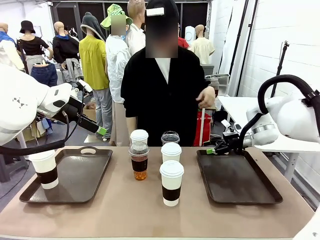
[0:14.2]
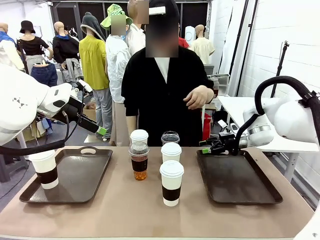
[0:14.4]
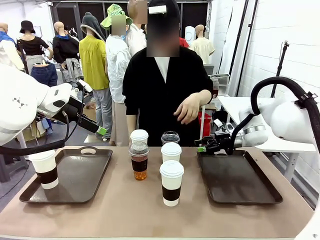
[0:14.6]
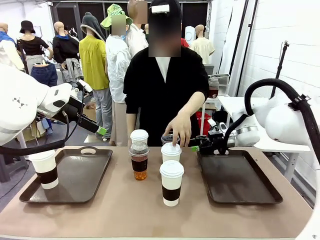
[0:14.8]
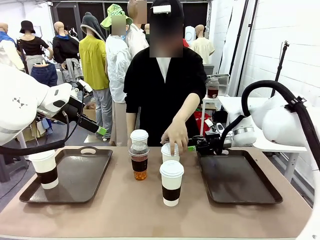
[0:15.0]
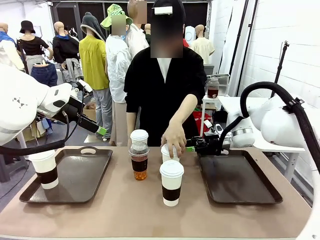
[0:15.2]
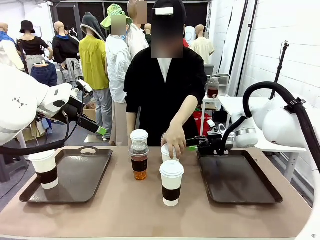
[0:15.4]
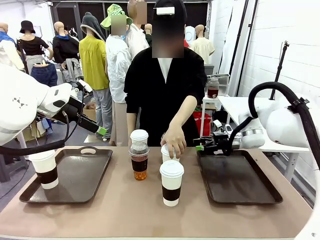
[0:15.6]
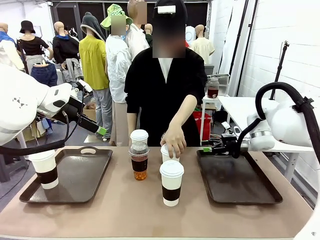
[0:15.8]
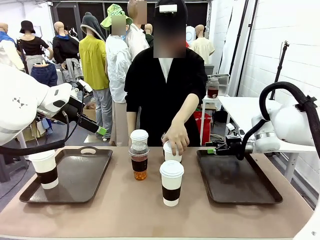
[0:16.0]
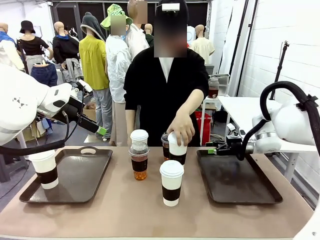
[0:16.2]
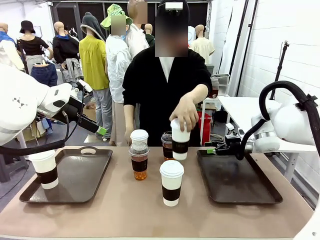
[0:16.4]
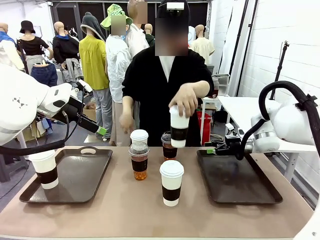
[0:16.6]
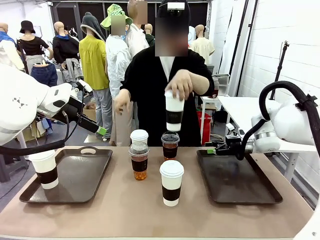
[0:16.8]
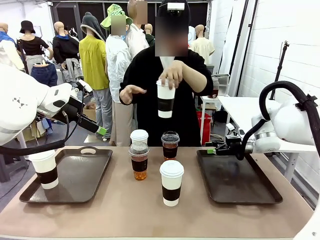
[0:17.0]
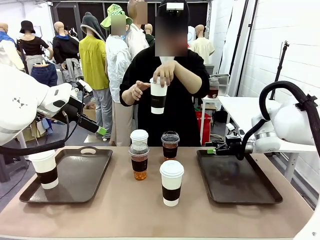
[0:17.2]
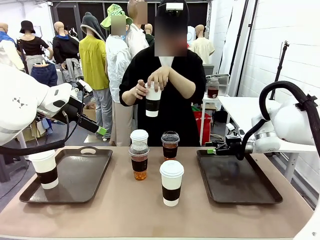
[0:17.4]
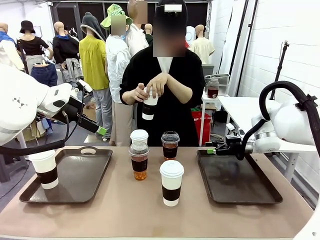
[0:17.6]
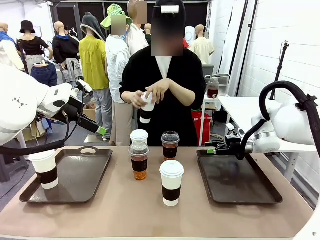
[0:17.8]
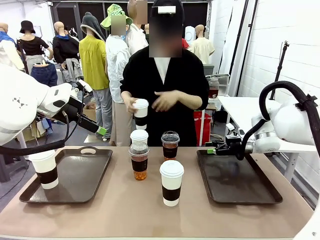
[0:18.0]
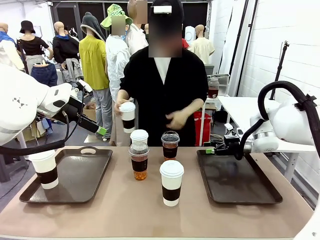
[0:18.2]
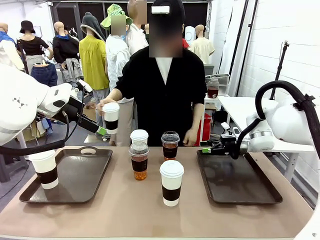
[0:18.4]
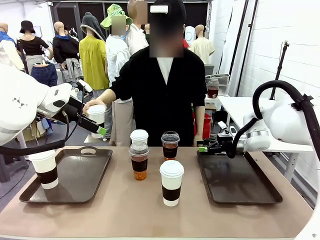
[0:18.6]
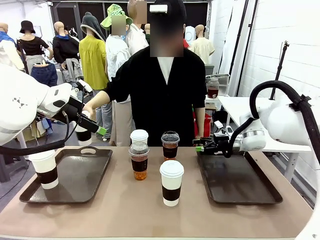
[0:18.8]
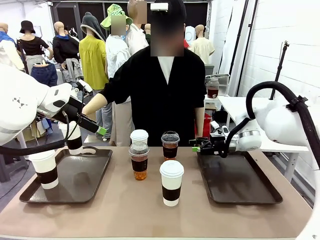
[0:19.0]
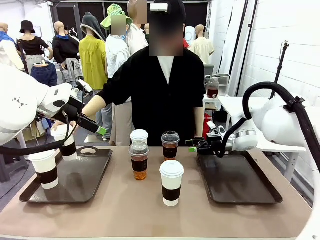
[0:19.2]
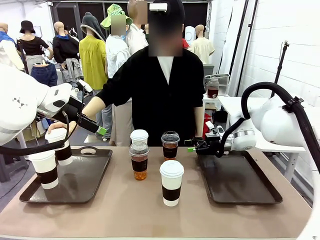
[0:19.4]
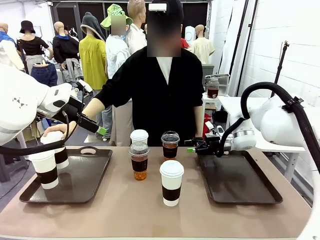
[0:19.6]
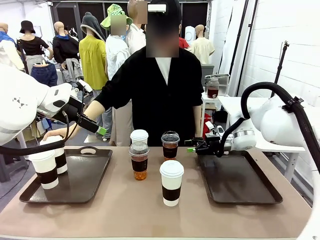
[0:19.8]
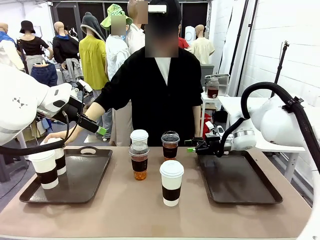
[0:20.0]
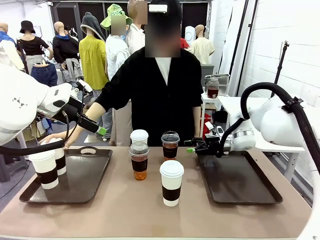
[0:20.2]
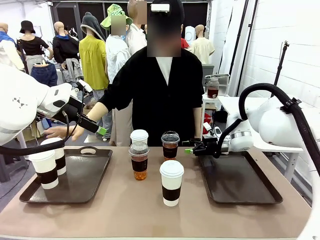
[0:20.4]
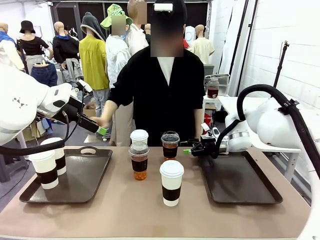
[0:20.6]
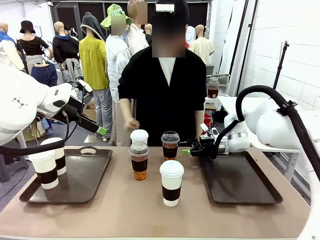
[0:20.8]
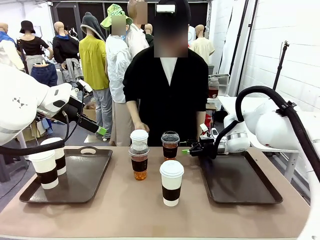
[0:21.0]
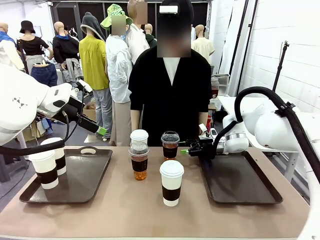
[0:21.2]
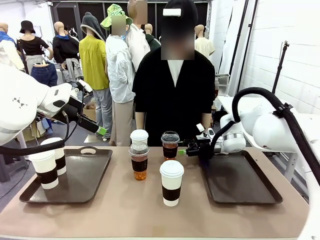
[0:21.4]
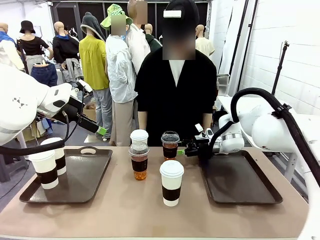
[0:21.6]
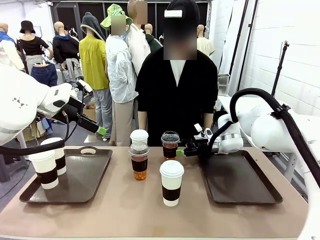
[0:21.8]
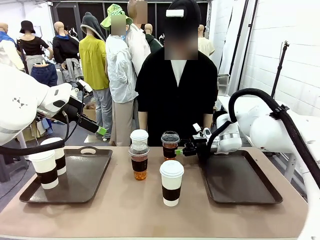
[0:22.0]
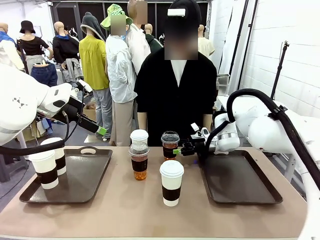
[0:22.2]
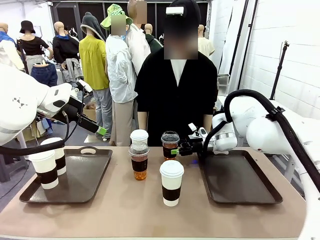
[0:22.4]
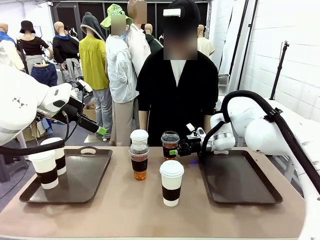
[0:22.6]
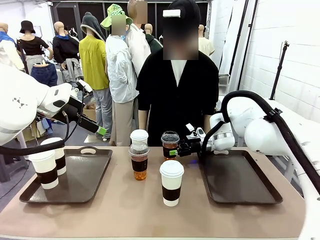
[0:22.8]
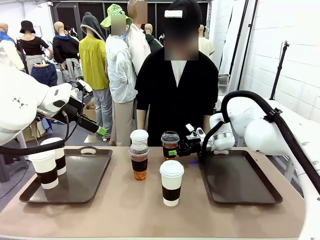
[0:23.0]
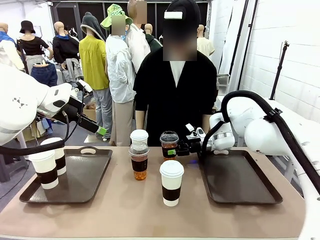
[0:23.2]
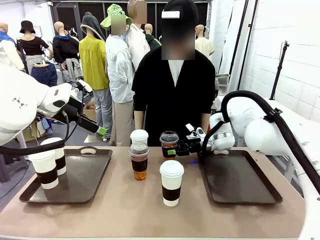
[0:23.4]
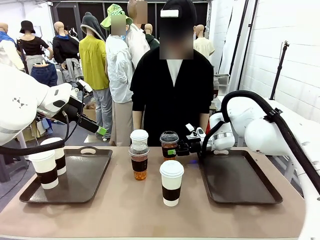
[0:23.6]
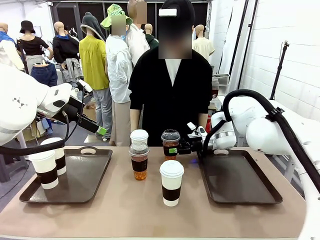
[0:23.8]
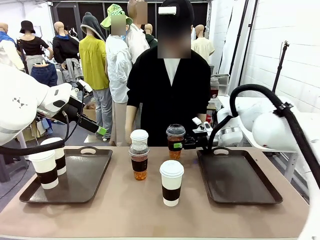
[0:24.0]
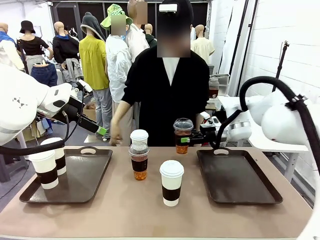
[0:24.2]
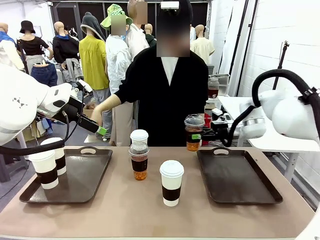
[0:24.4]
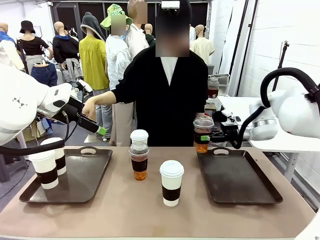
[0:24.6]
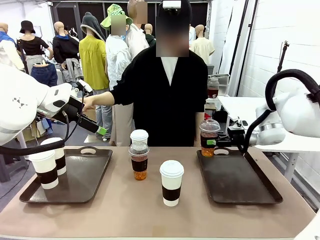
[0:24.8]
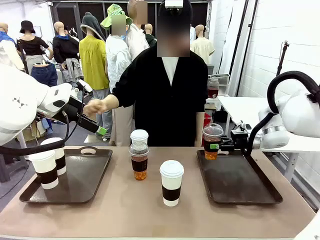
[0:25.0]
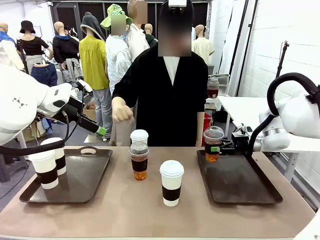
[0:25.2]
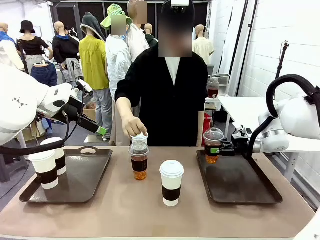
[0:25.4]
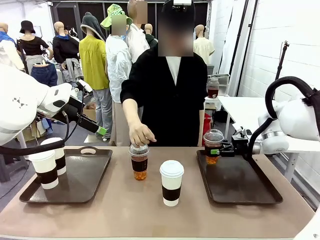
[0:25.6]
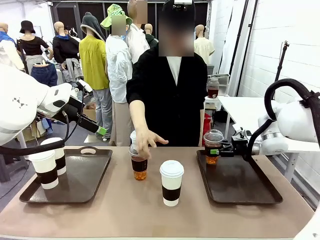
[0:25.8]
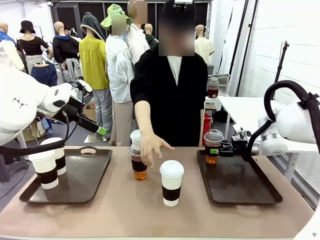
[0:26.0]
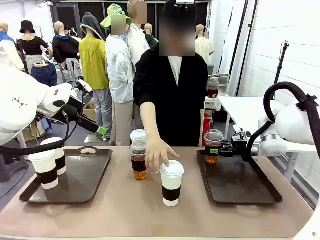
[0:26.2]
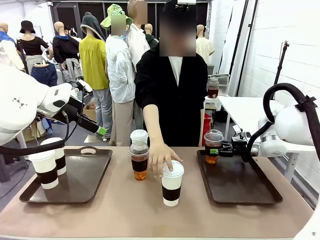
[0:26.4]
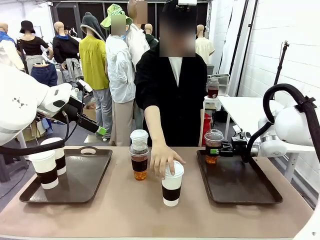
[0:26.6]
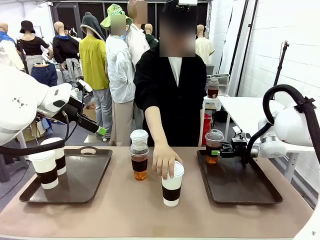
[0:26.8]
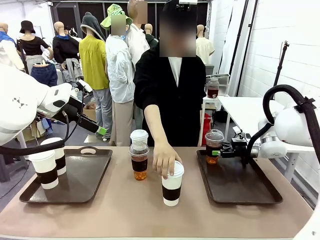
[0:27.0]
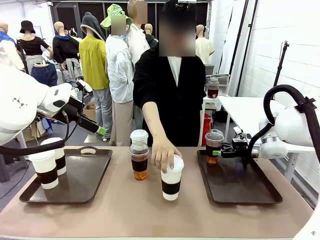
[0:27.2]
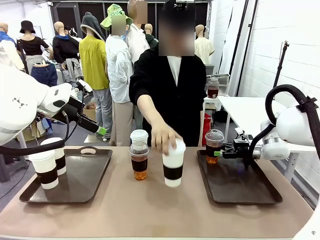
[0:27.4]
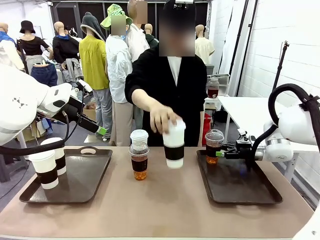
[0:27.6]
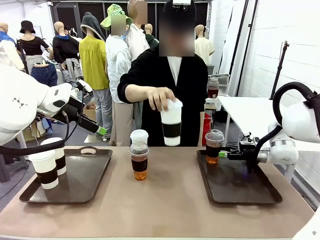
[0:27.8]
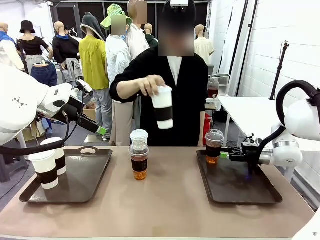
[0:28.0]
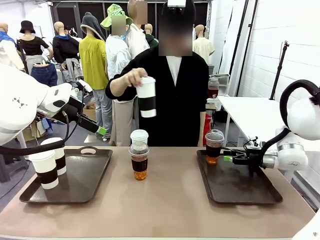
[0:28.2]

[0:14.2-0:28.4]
Task: Distribute the coffee onto the tray.
Robot: Pick up one iced Americano and place it on the right Handle tray.
